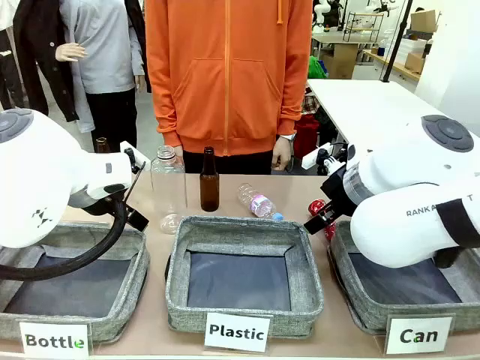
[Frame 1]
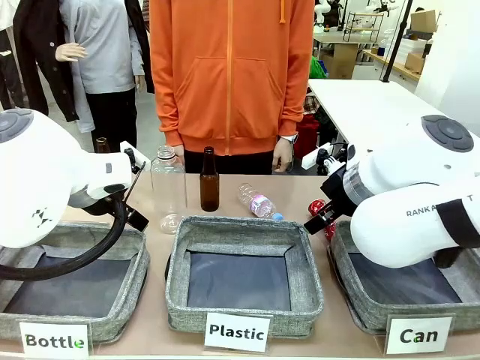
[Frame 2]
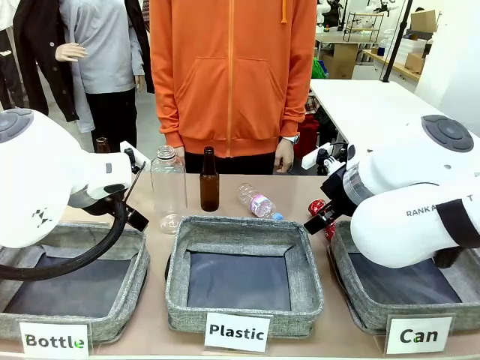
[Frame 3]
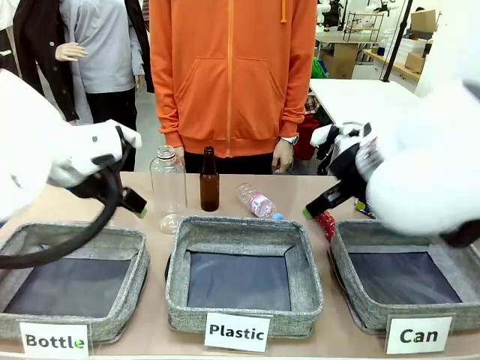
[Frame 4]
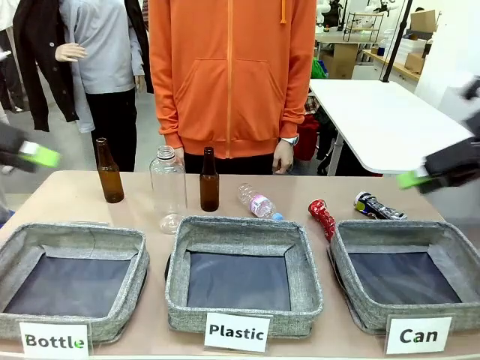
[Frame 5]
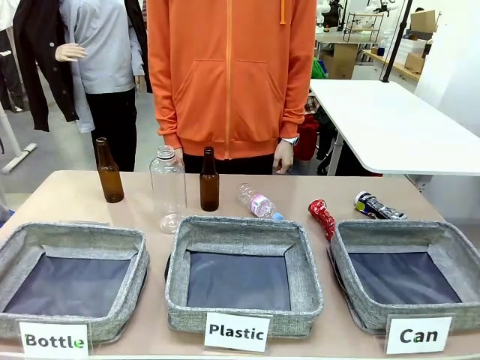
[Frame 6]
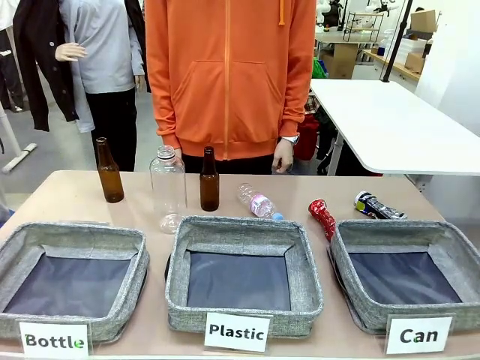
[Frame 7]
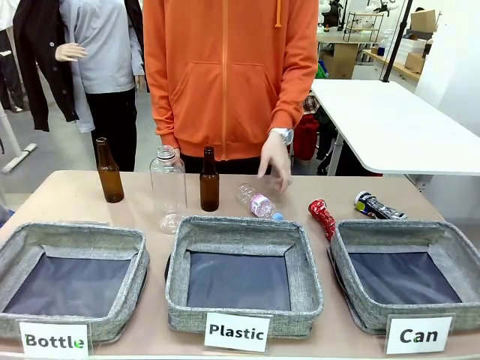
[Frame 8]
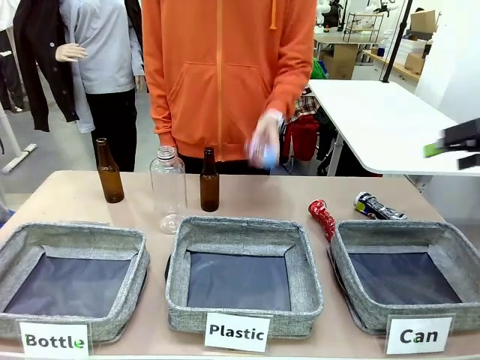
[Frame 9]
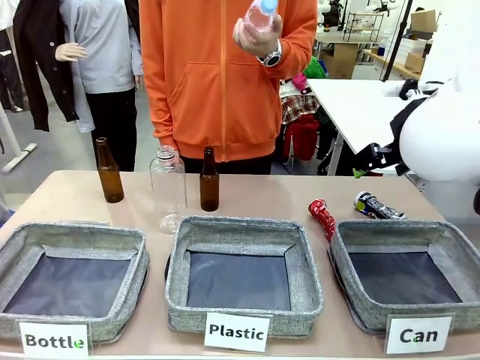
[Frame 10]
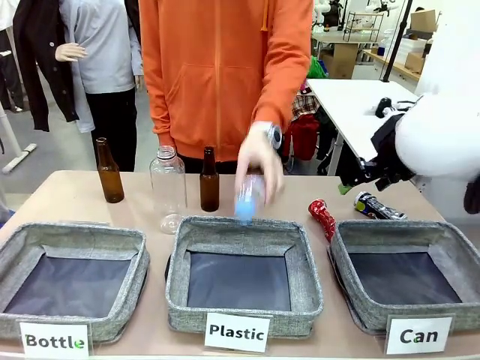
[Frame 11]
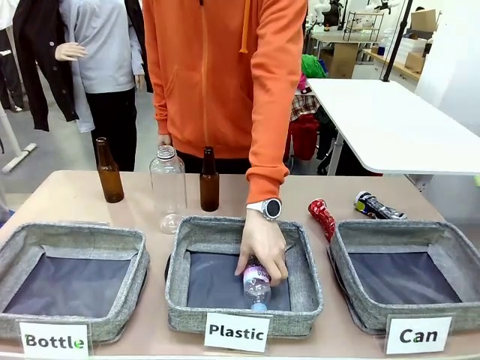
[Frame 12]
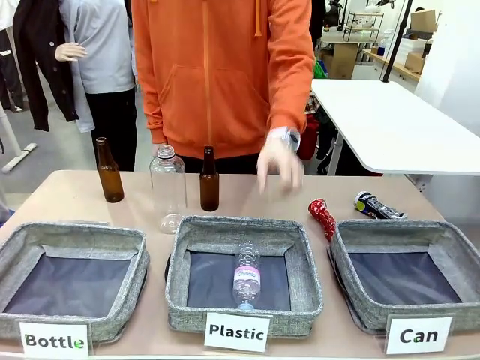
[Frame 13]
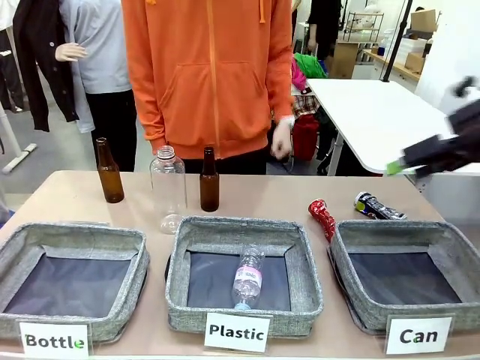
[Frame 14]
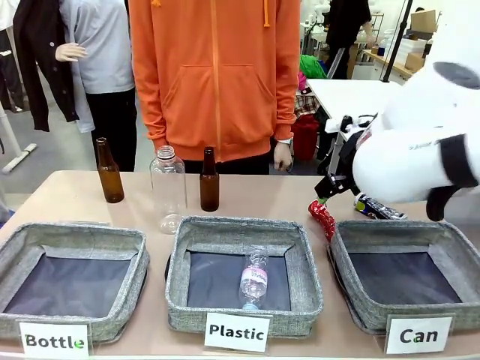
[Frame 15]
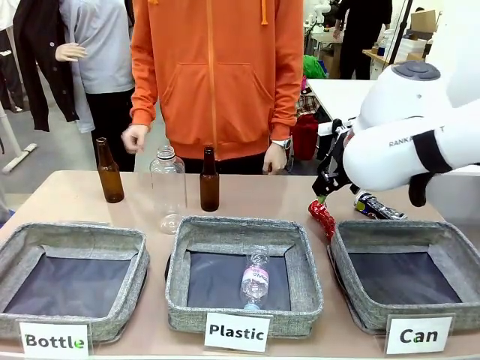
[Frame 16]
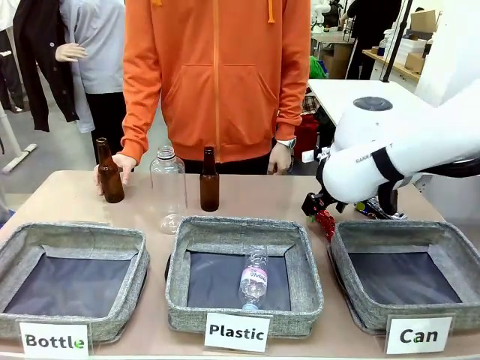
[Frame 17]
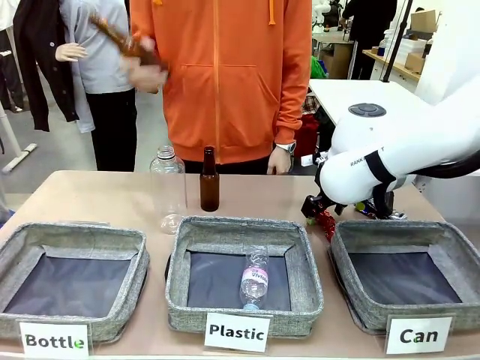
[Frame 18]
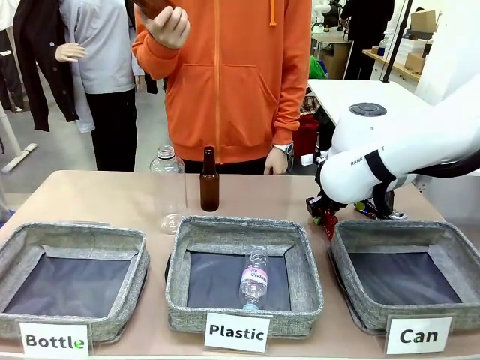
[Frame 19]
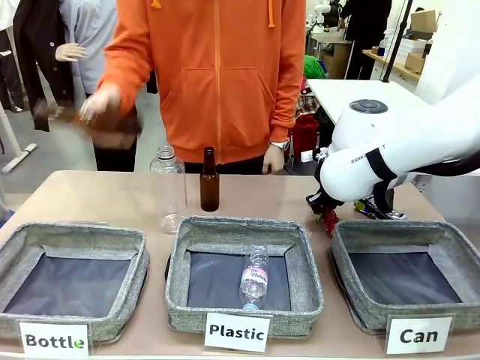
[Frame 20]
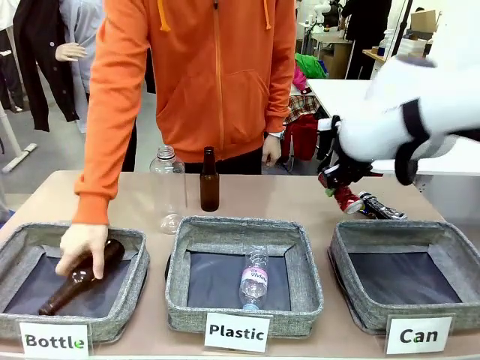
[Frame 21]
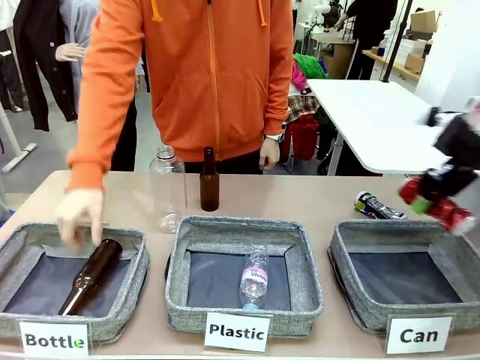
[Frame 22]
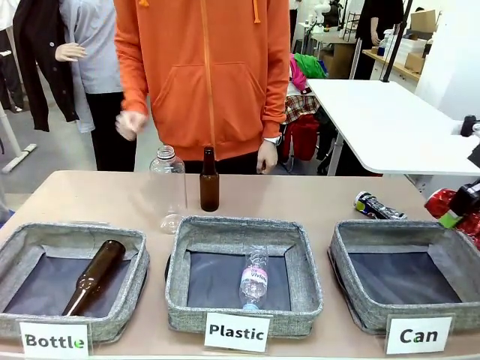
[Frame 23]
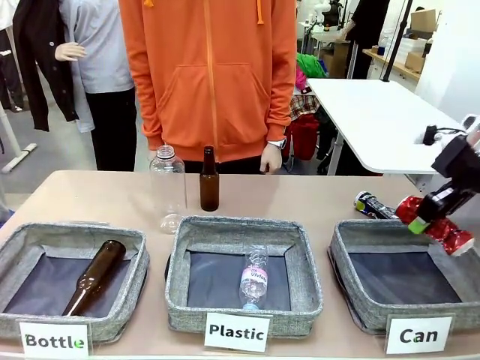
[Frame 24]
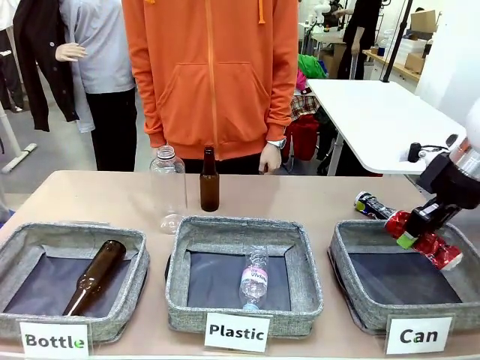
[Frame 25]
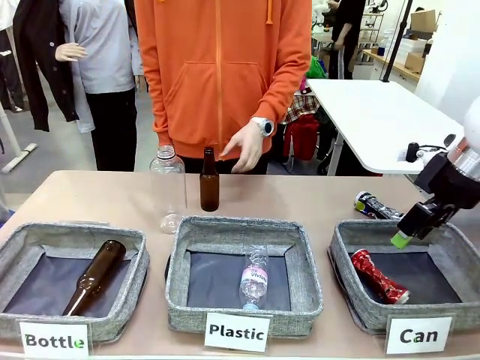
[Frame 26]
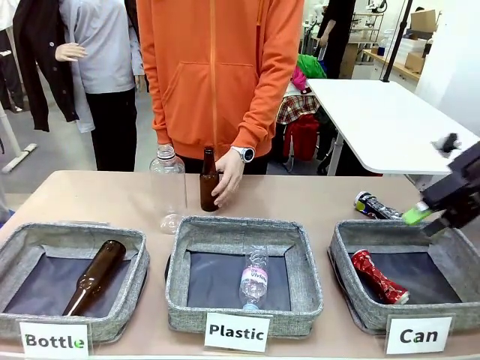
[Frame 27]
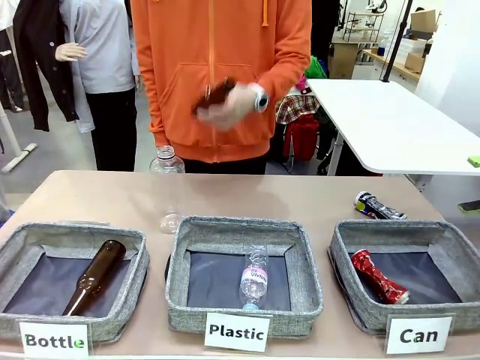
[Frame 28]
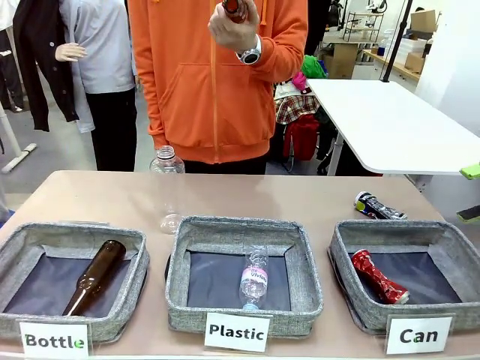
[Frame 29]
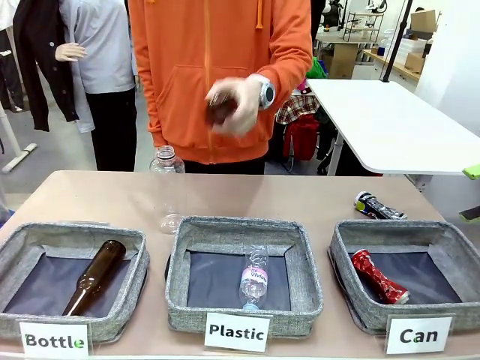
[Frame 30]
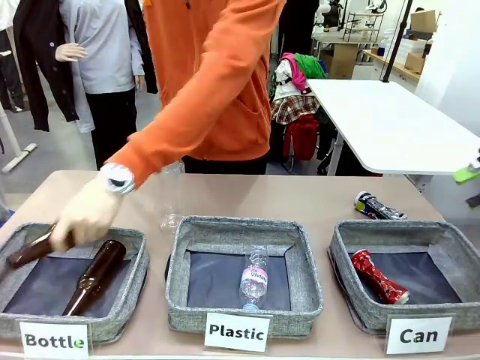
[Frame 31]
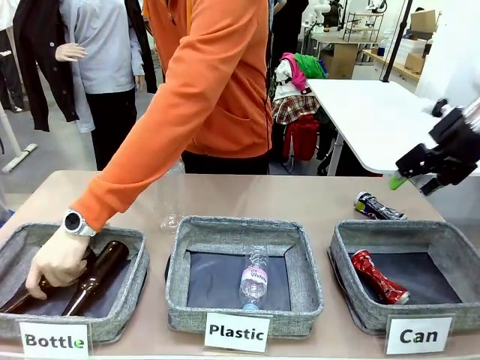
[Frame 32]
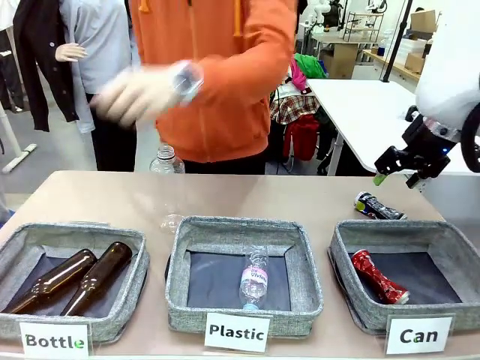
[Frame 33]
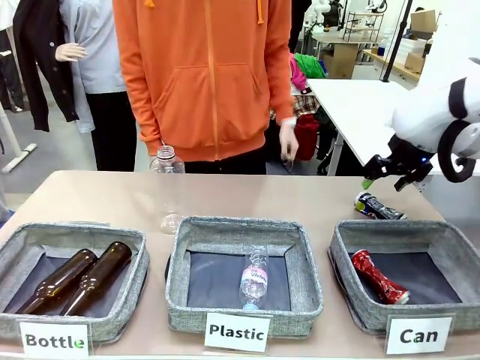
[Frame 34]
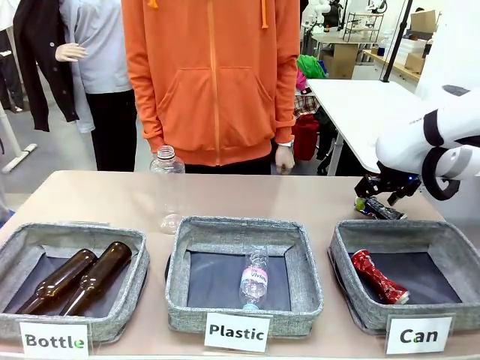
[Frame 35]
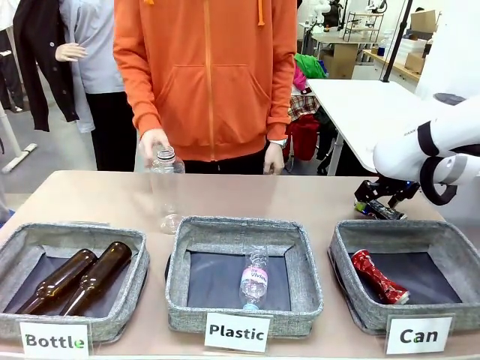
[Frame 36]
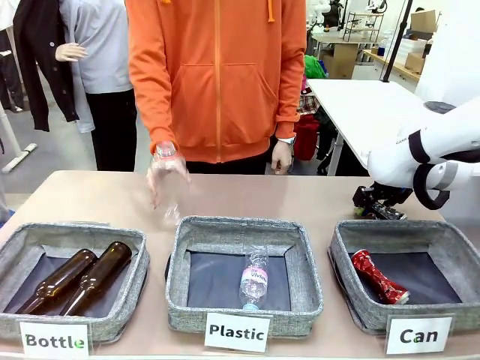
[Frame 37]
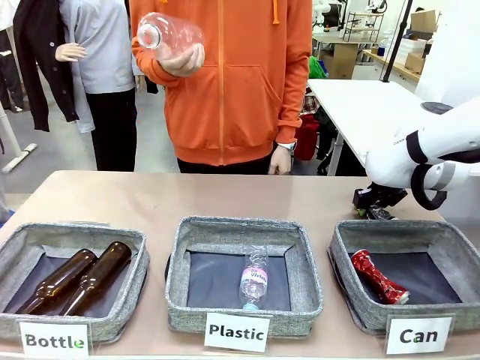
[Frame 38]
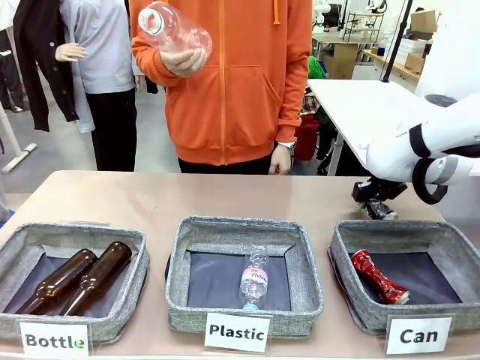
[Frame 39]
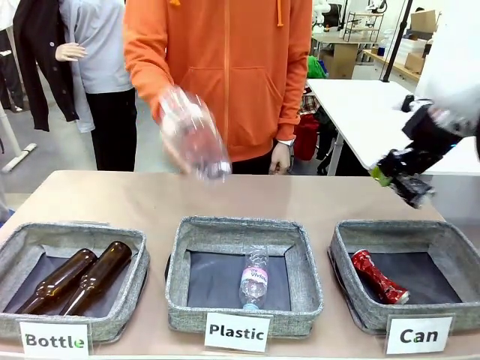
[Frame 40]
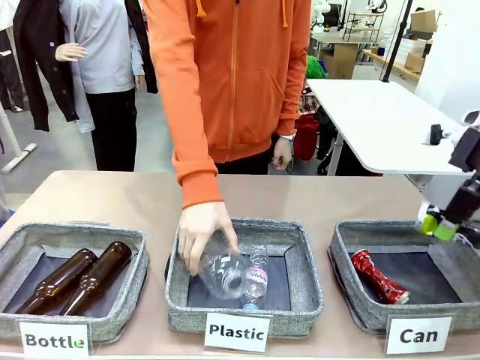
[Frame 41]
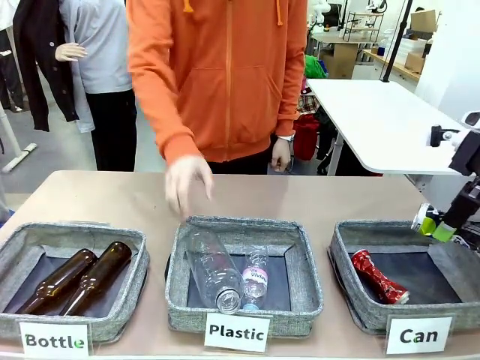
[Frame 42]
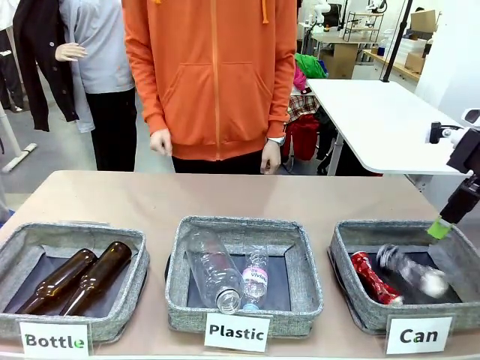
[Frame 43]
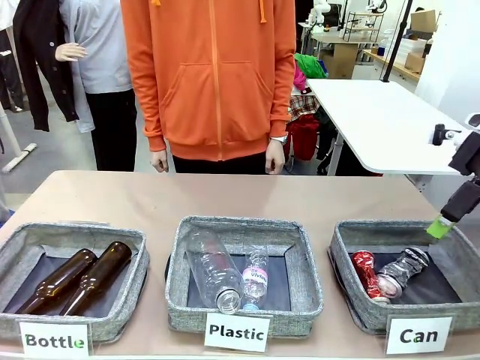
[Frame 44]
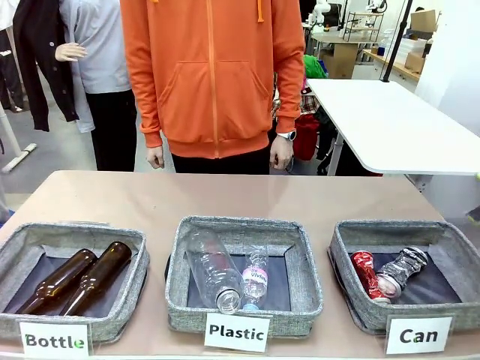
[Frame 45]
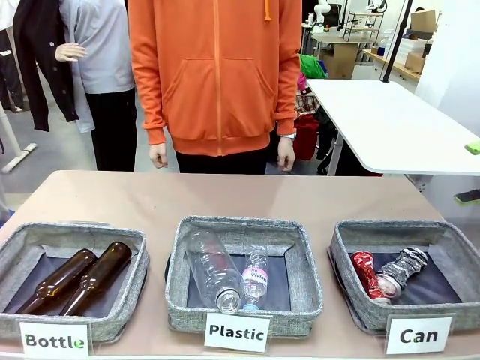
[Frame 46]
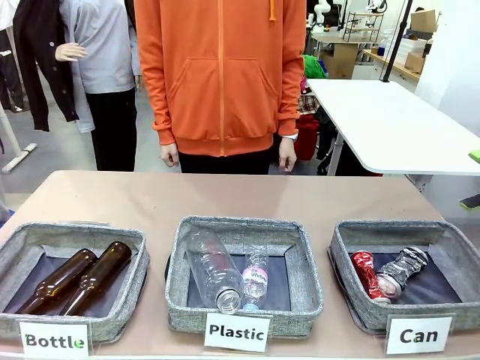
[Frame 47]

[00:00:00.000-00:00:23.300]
Task: Sort the can waste into the basket.
Robot: Pick up the can waste from the table and place it in the right Fabric basket.
Person: The human picks up one piece of trash that is not a can and places the trash into the appropriate organizing basket.
